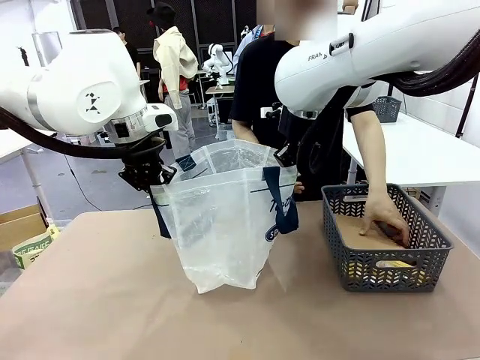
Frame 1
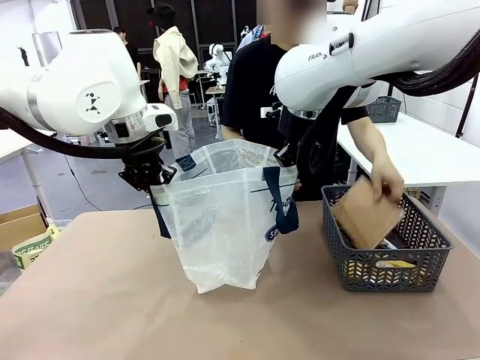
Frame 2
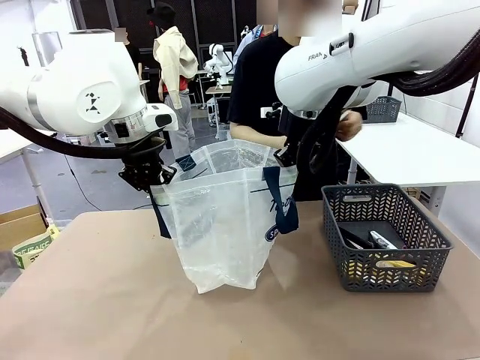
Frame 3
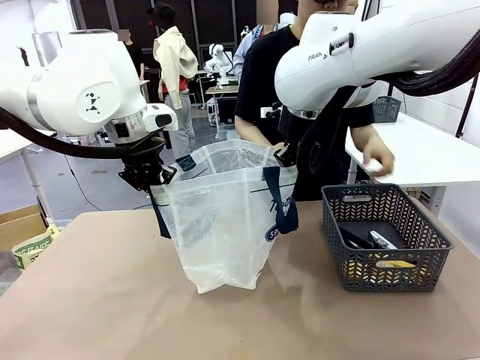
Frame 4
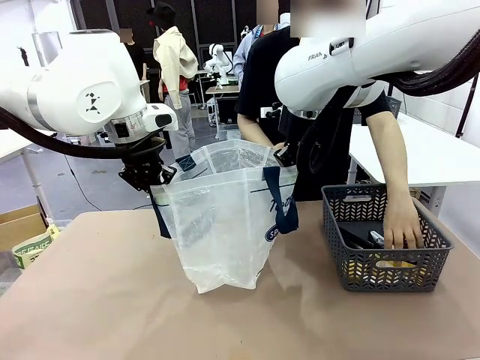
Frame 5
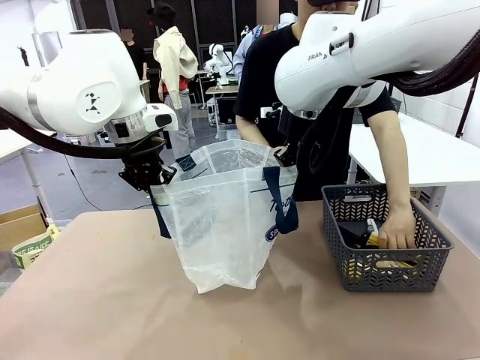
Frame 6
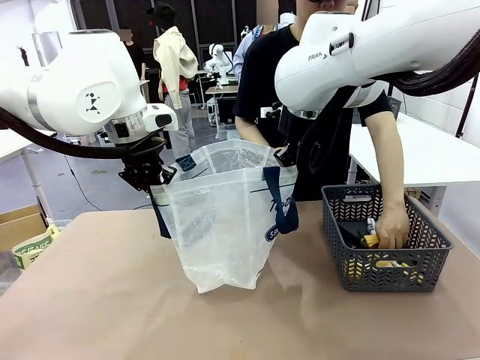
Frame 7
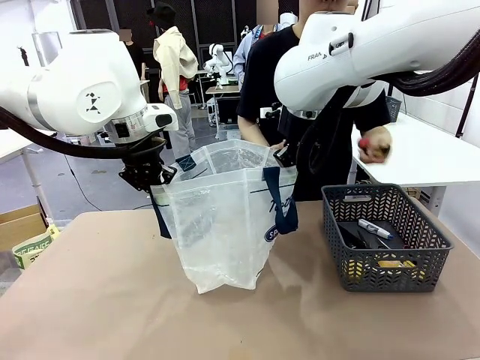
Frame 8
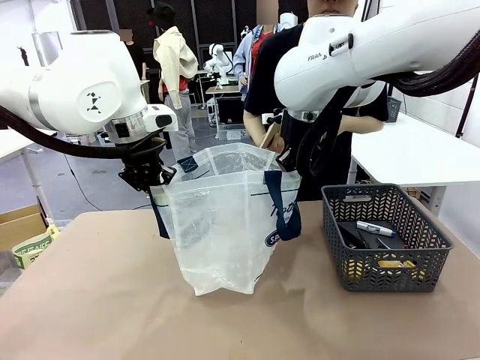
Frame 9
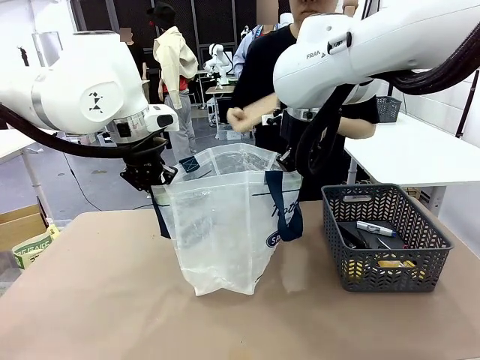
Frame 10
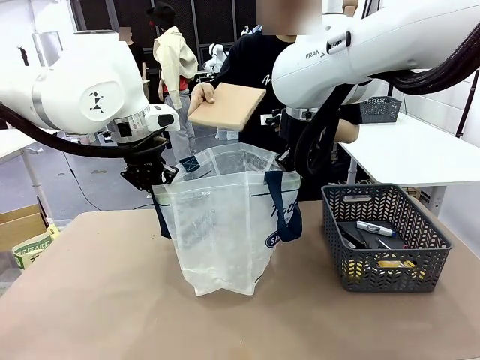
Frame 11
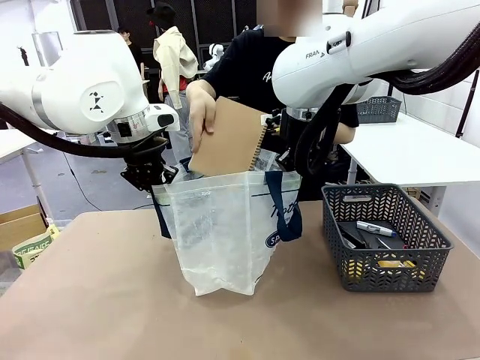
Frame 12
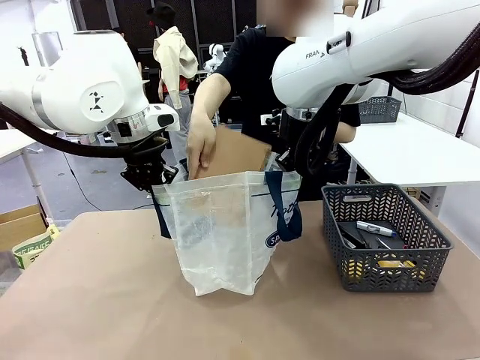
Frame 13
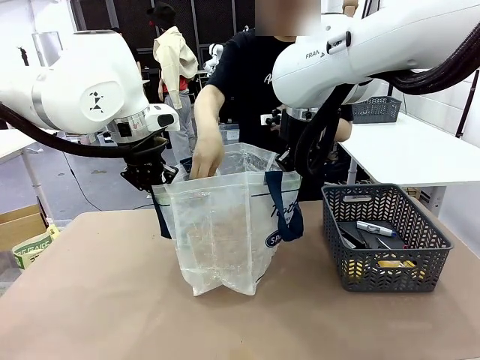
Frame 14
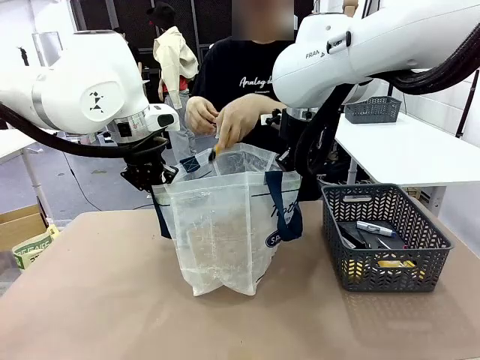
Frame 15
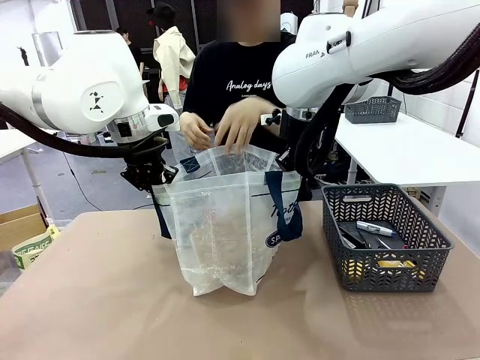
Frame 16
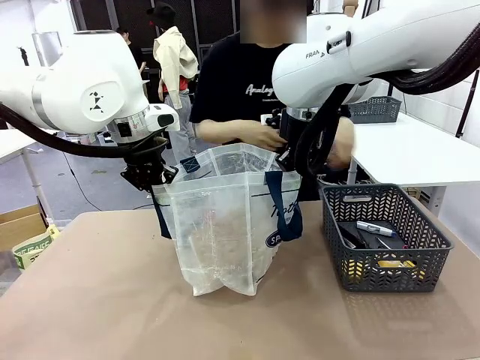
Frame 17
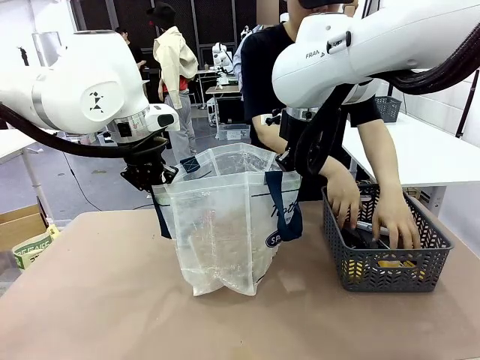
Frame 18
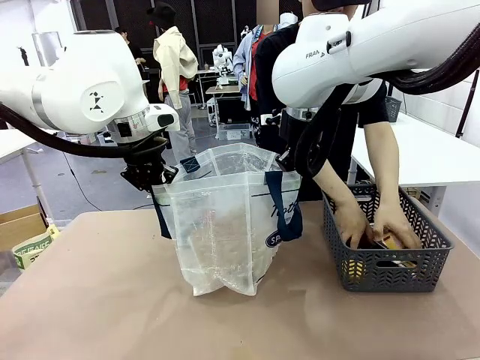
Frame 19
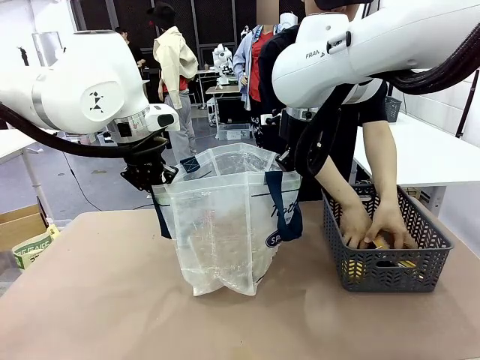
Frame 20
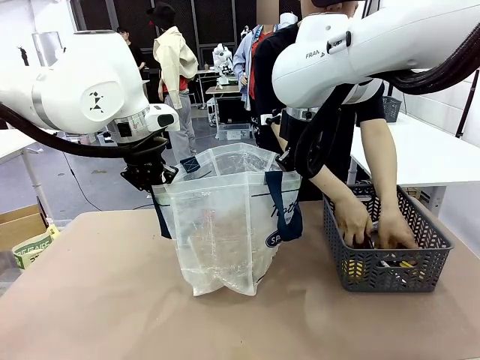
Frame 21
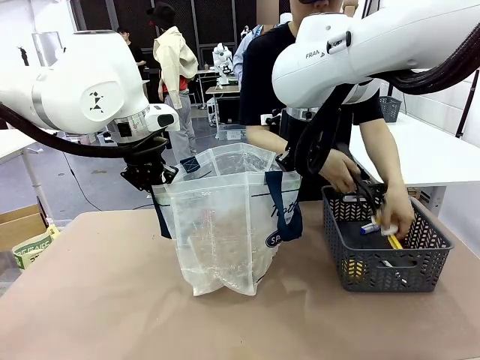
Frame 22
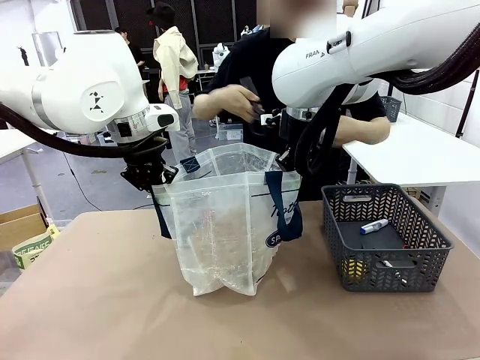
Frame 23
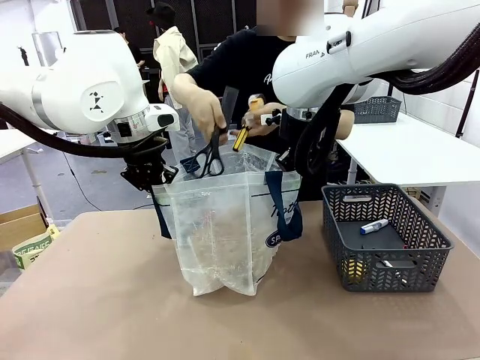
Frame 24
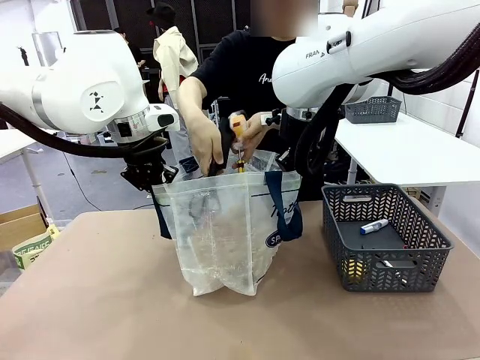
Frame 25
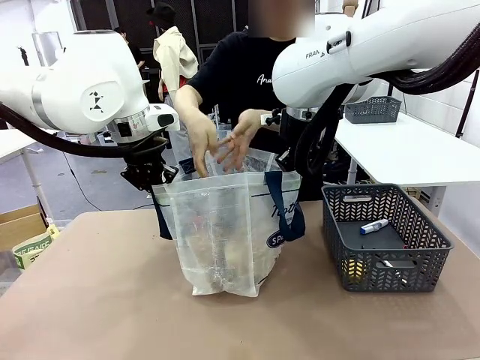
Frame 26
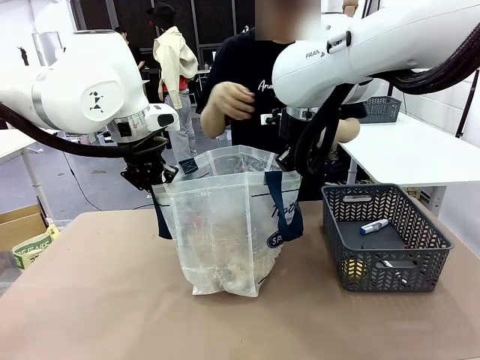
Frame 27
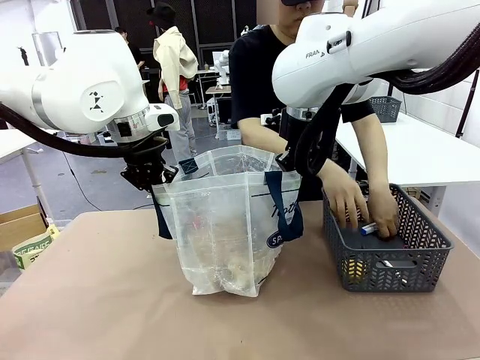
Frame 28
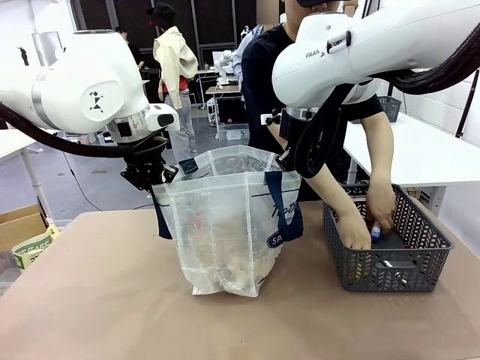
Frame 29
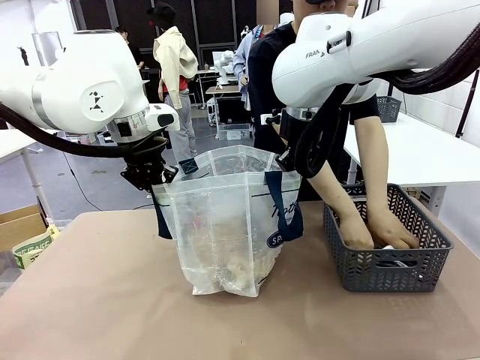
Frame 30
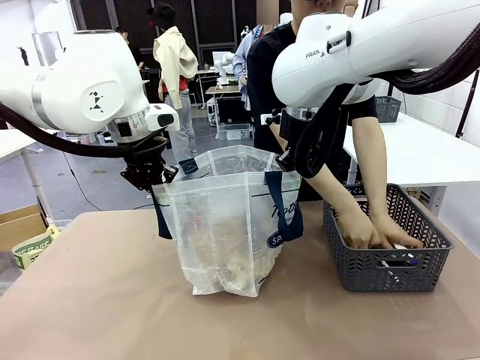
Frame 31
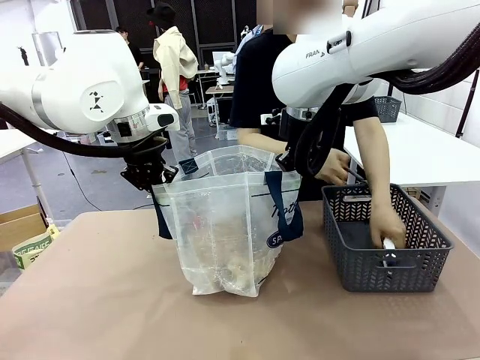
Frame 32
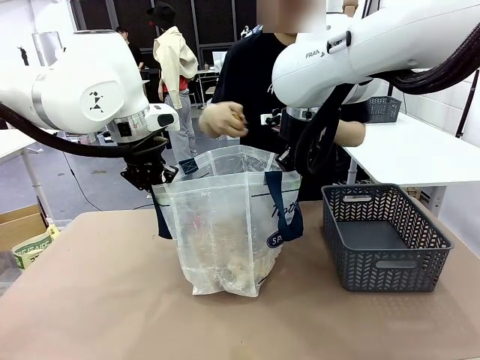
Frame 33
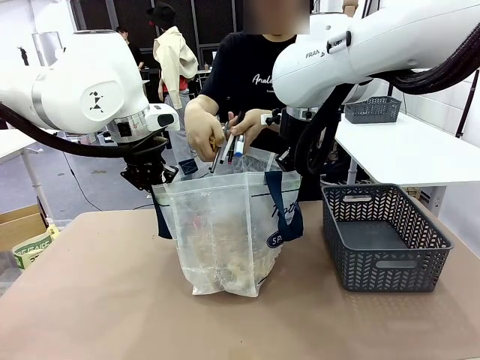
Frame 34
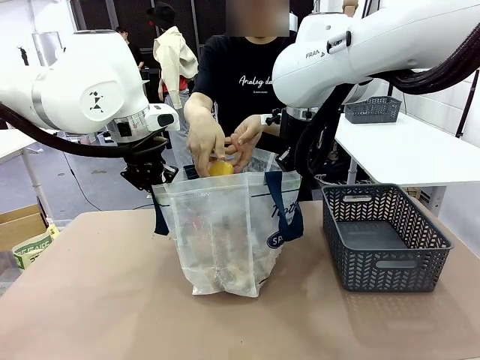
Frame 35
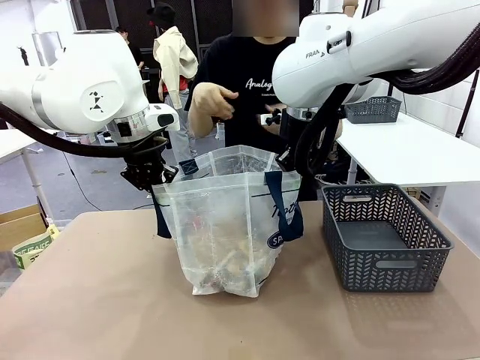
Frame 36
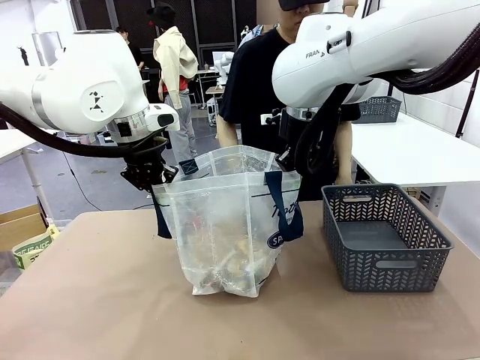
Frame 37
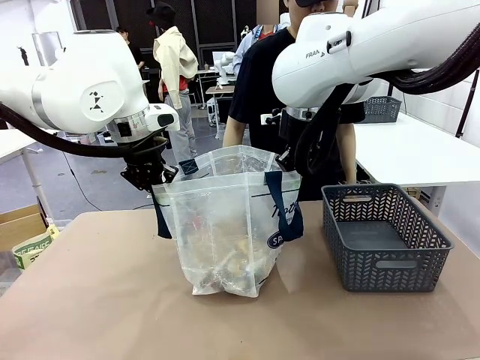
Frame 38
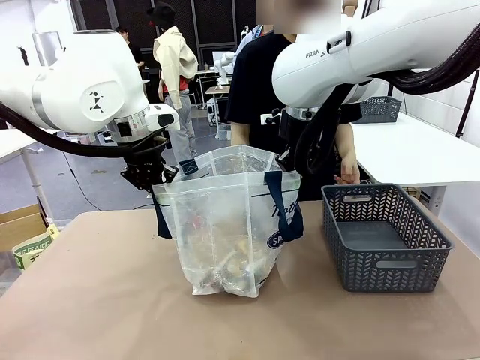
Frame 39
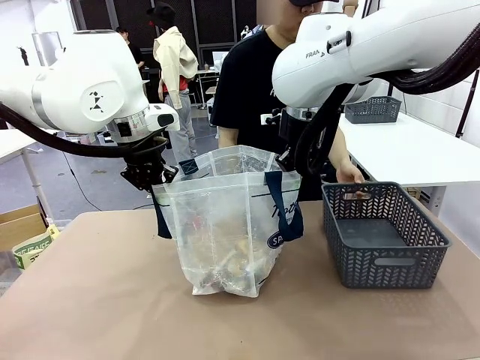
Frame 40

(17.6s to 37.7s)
Task: Transfer purchased items from the store into the shopping bag.
Robot: Move the Reusable shopping bag to the right side of the table.
Person: Pick up the basket on the right, place it on the left side of the robot table, and move the items in the basket to the shopping bag.
